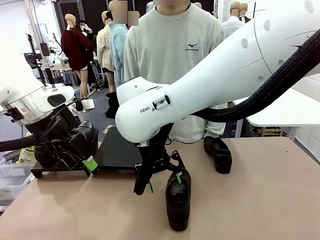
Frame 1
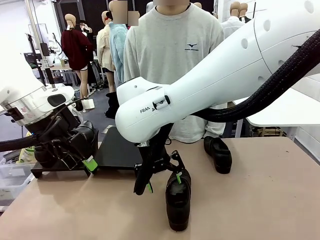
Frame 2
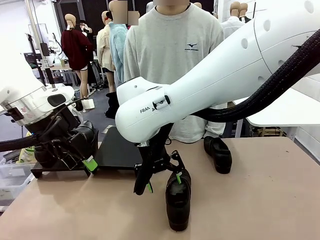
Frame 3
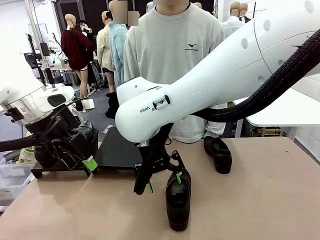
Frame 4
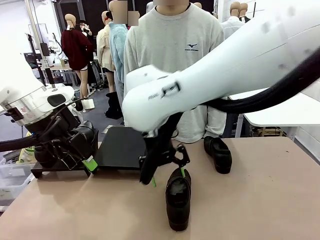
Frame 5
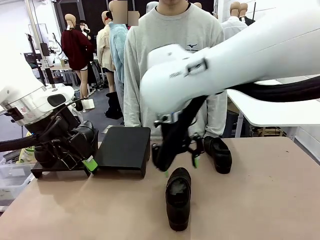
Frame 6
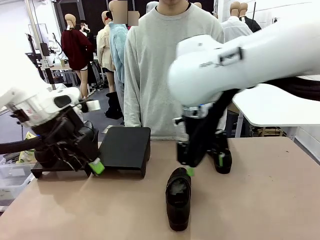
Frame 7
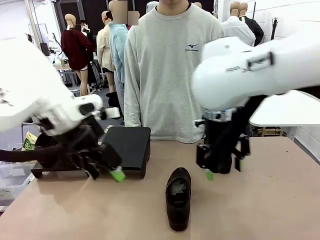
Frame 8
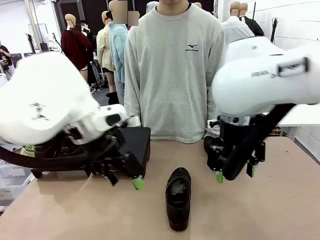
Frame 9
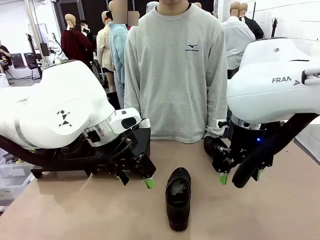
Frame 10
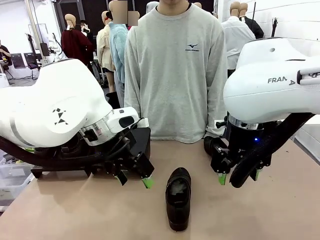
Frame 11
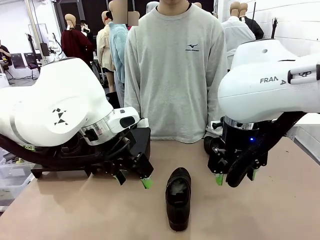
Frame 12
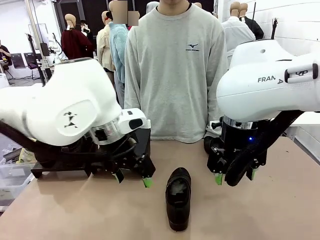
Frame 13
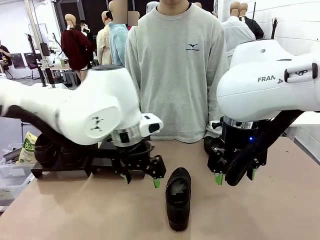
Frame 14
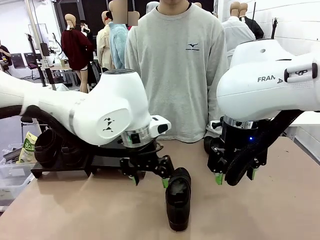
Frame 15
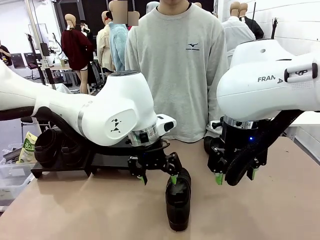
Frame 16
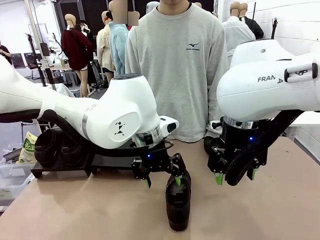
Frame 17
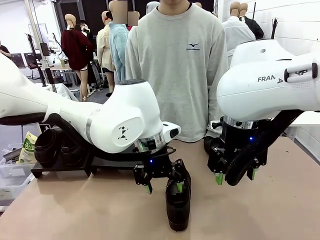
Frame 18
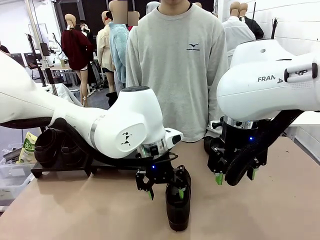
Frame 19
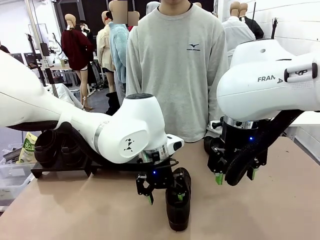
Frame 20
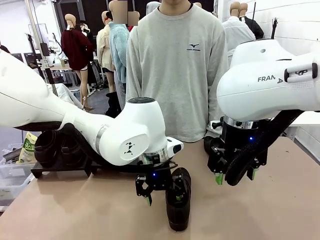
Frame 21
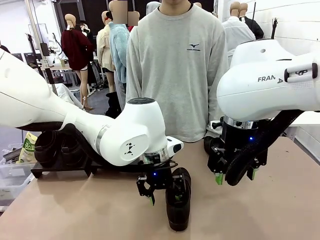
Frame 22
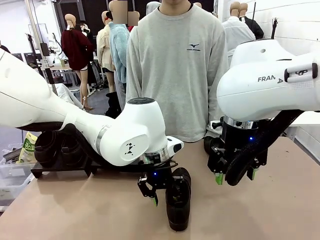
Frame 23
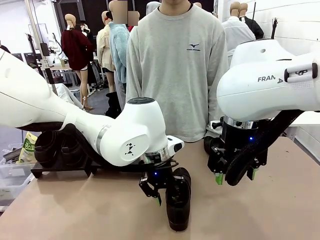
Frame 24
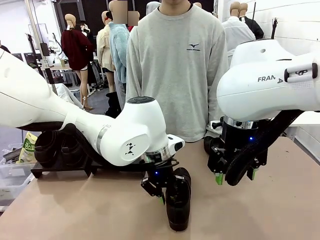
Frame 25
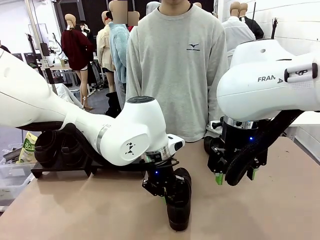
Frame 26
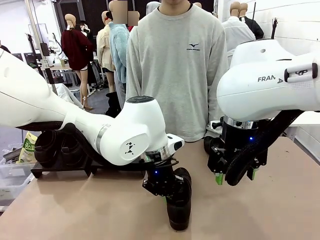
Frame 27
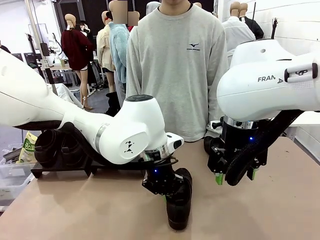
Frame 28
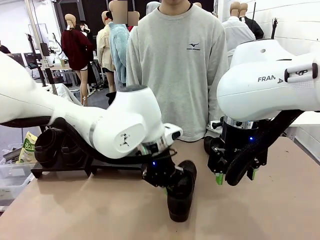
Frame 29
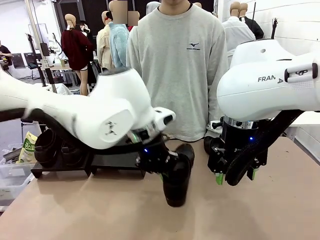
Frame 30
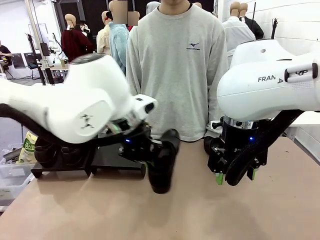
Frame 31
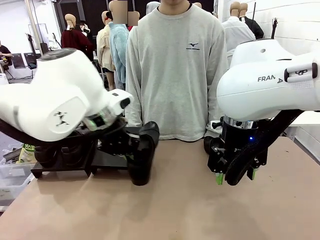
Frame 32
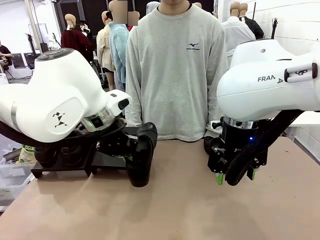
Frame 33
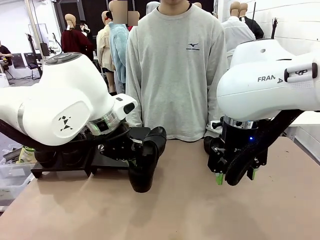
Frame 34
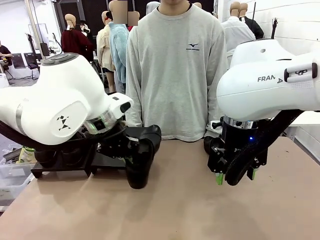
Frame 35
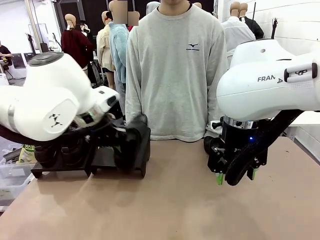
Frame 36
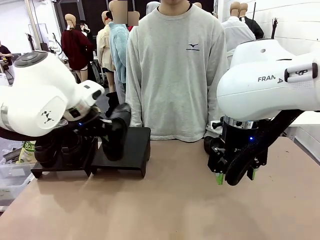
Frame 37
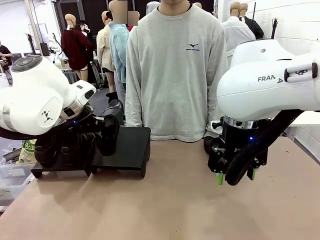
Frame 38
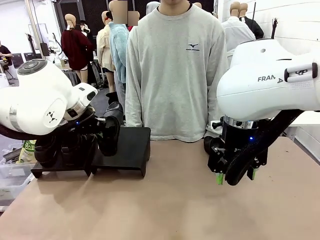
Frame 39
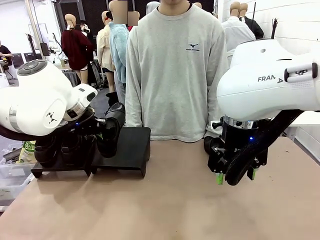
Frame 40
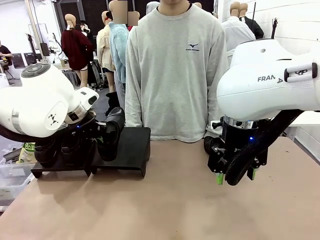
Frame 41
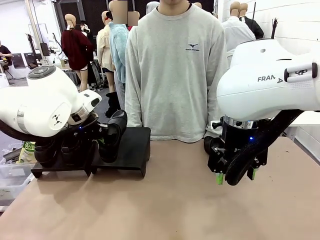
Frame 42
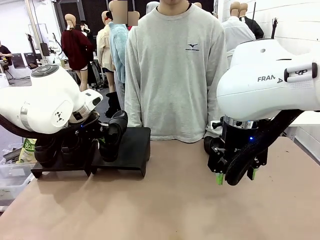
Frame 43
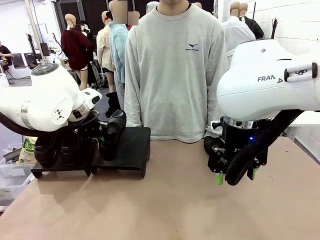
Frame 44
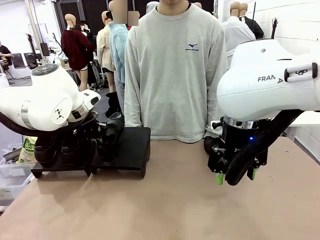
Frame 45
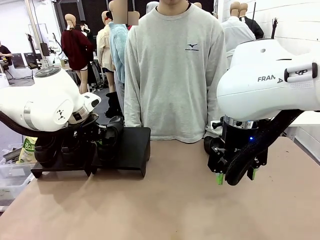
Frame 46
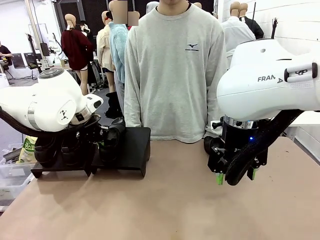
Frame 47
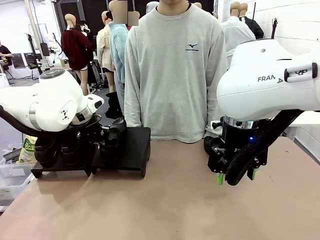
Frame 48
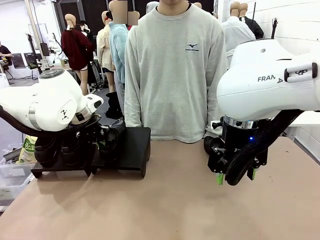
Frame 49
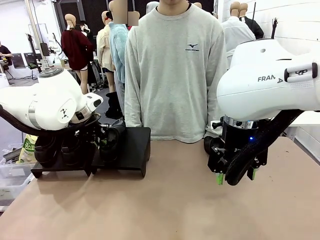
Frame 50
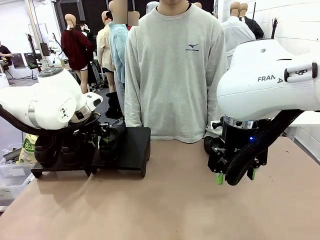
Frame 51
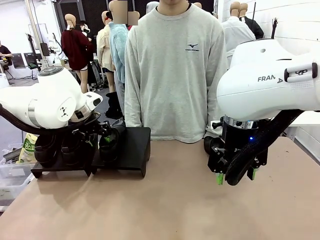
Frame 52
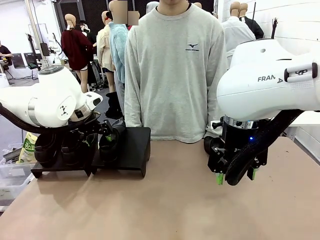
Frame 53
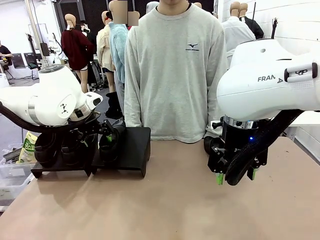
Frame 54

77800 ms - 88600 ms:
Task: Organize the shoes by placing them on the stand.
Robot: Place the Shoe from the middle of the table onto the Shoes Stand.

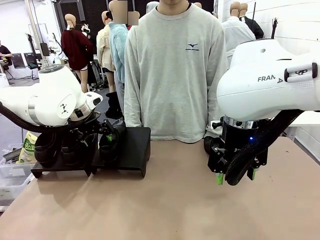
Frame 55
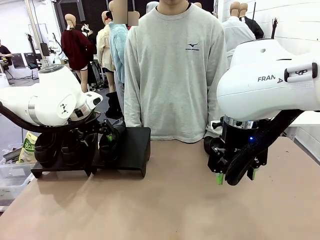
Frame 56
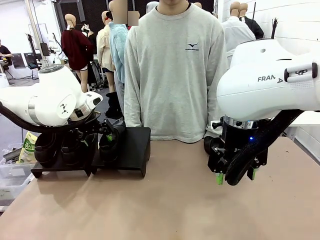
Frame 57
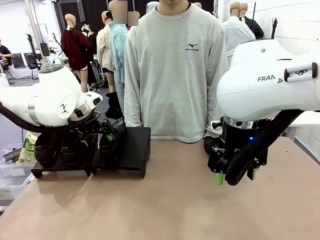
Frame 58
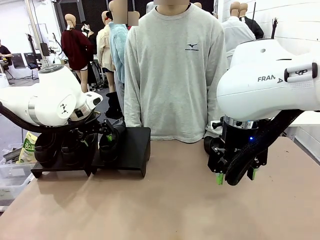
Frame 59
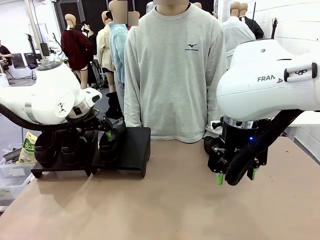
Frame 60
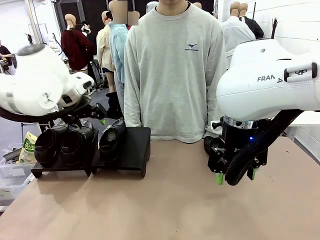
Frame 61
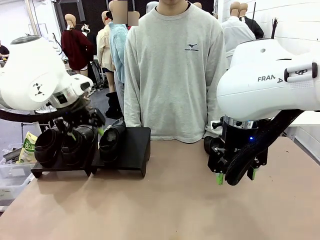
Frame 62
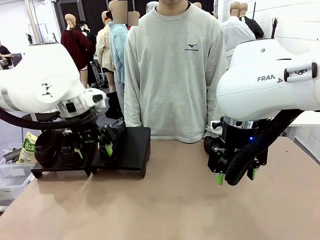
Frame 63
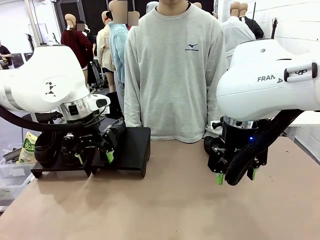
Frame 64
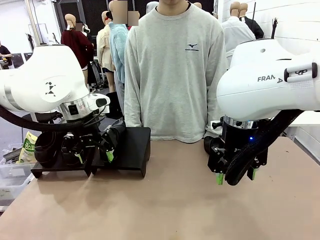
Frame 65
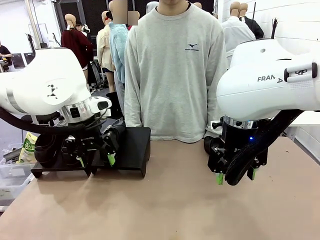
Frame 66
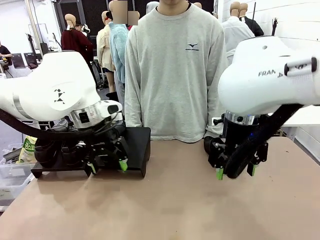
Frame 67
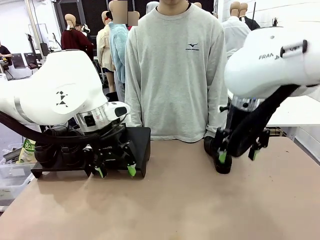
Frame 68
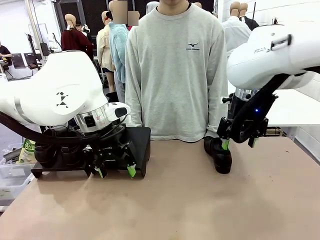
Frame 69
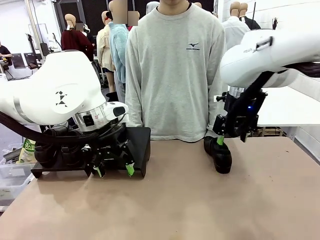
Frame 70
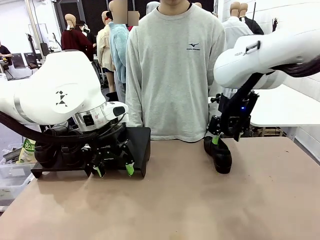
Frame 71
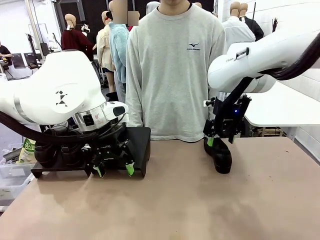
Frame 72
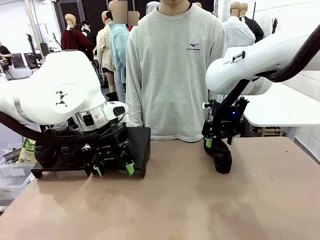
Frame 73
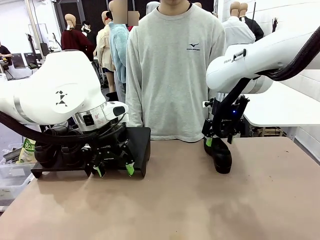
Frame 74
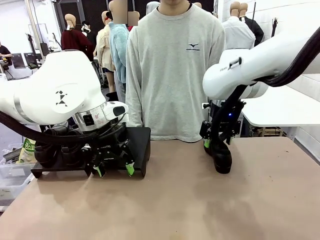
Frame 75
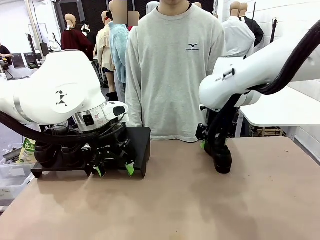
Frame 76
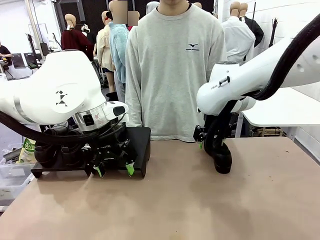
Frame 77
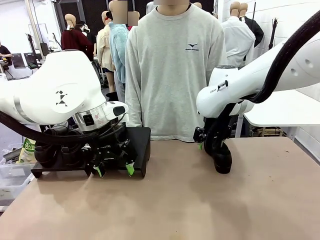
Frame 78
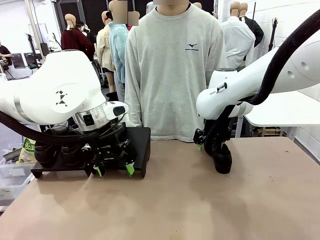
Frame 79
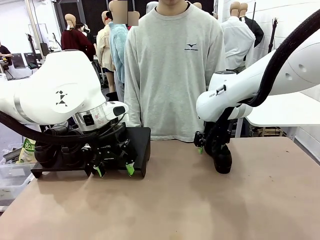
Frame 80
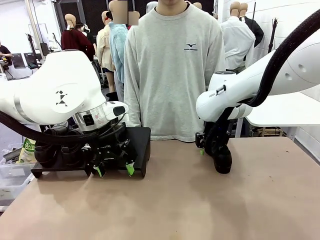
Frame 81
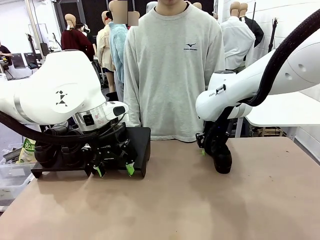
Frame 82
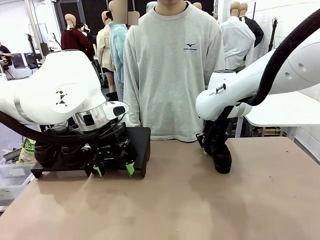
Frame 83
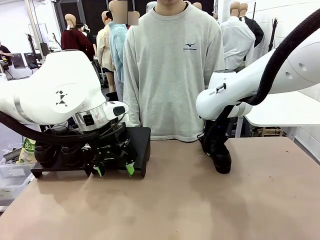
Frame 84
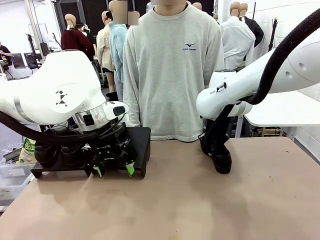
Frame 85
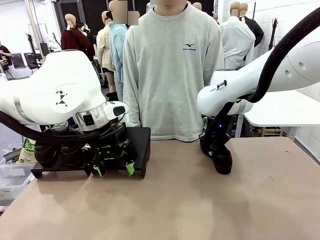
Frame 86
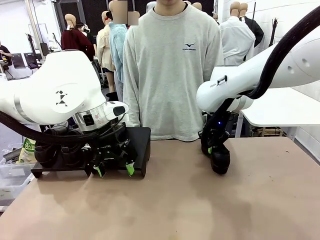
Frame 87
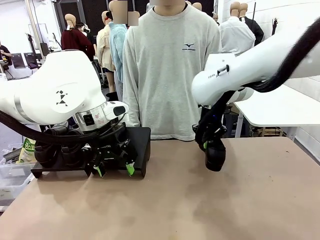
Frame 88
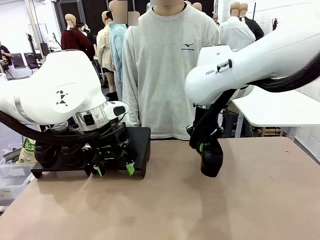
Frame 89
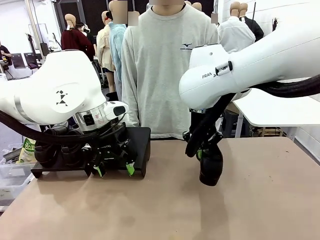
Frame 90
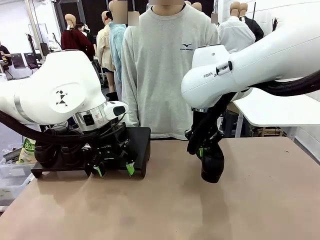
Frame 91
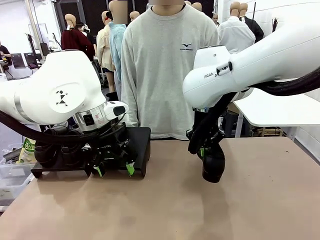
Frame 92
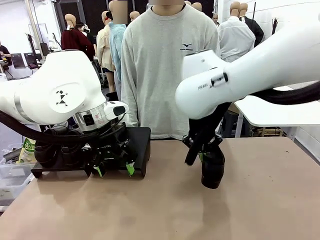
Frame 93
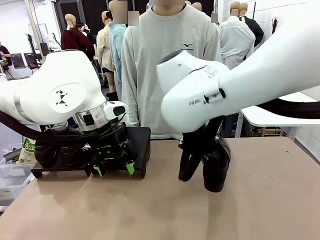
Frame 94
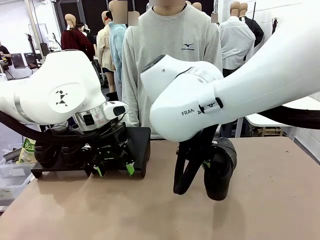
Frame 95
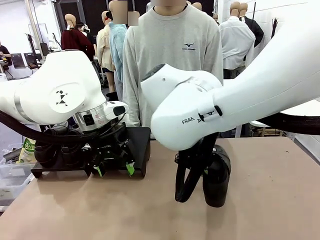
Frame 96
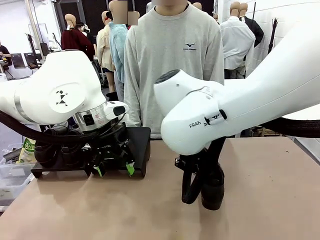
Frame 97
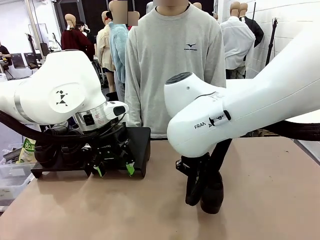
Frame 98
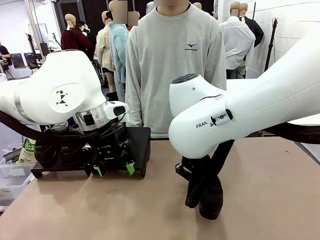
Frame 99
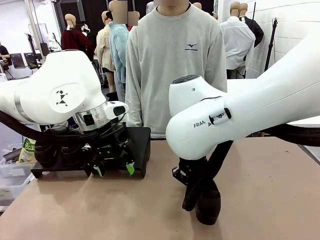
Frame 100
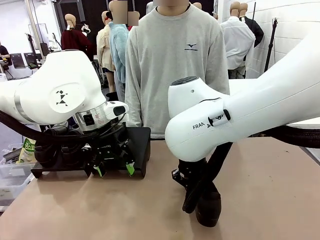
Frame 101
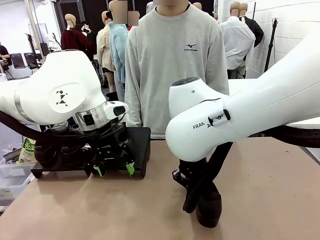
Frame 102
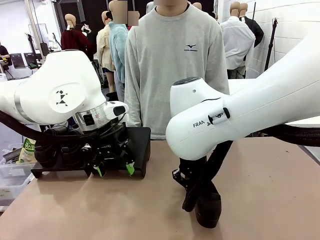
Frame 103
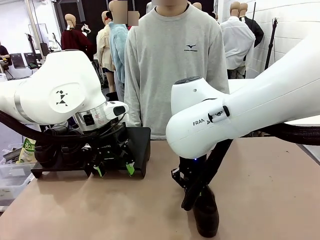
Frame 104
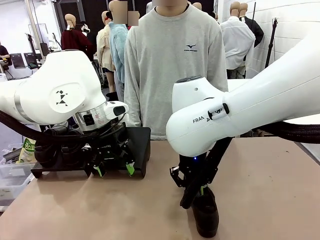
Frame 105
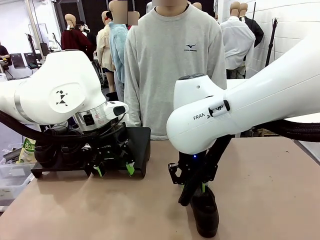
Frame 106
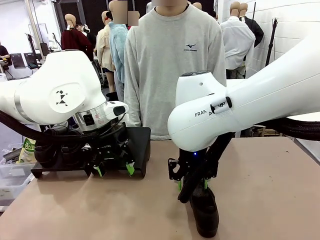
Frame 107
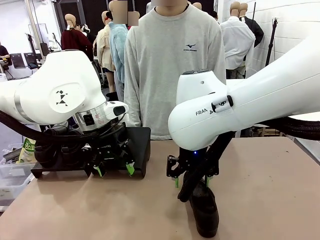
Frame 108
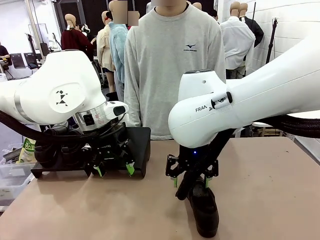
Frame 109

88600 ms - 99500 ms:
Robot: Pick up one Shoe and place it in the middle of the table.
